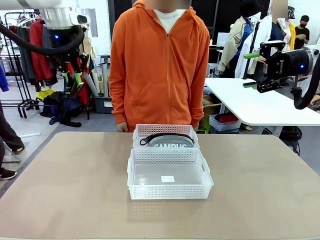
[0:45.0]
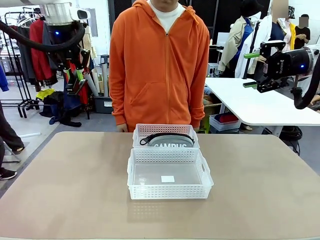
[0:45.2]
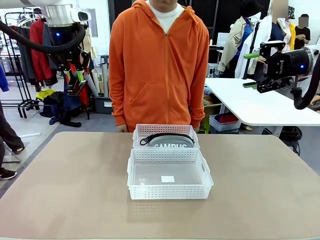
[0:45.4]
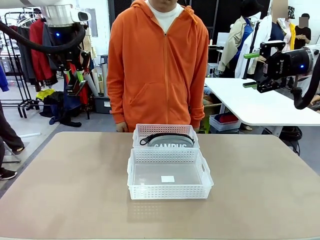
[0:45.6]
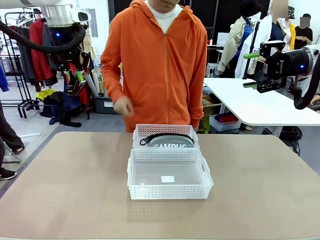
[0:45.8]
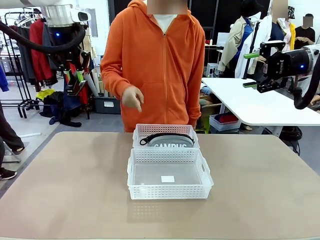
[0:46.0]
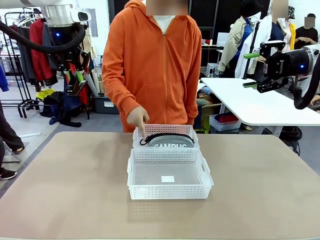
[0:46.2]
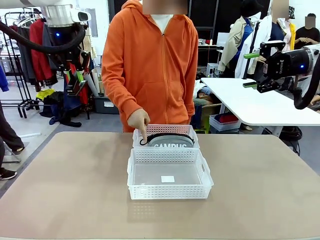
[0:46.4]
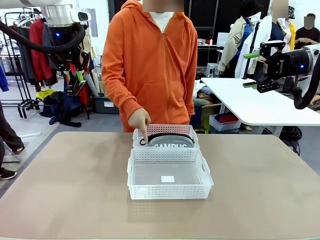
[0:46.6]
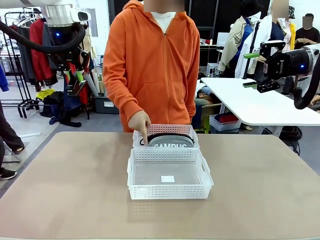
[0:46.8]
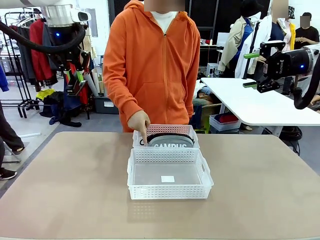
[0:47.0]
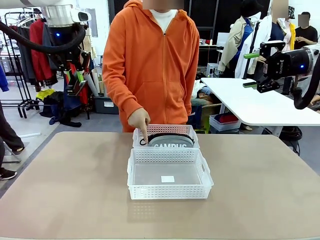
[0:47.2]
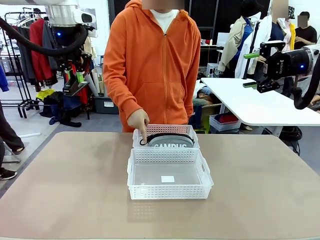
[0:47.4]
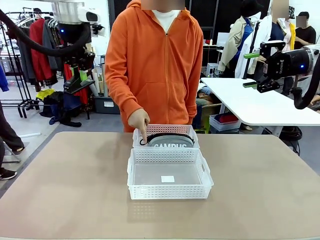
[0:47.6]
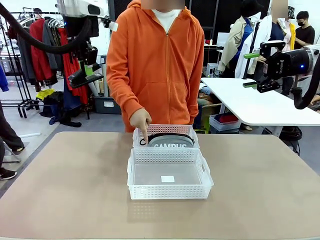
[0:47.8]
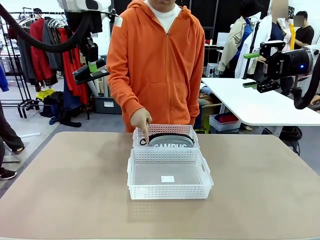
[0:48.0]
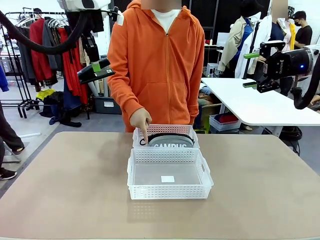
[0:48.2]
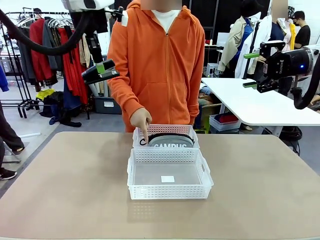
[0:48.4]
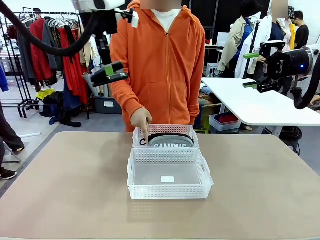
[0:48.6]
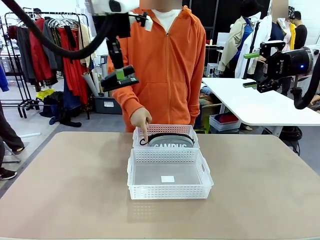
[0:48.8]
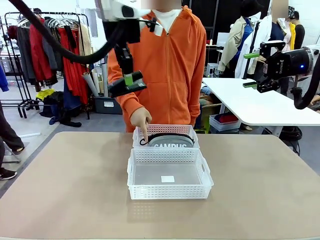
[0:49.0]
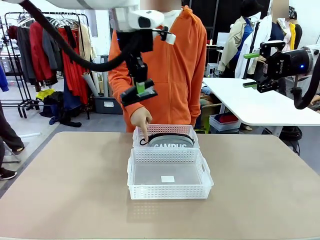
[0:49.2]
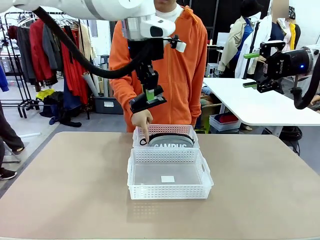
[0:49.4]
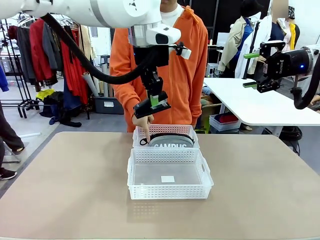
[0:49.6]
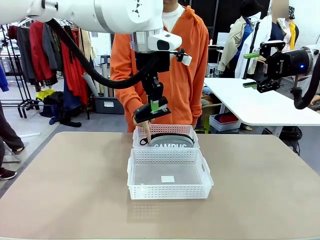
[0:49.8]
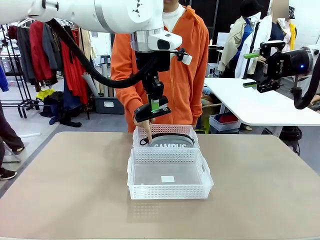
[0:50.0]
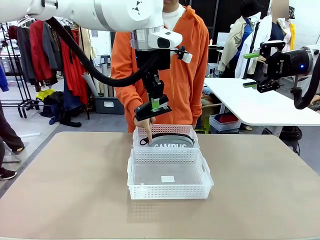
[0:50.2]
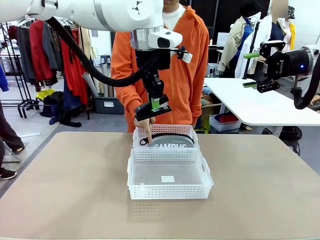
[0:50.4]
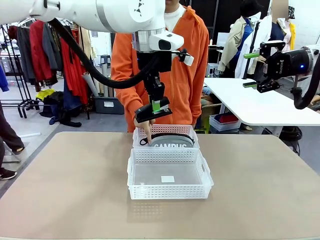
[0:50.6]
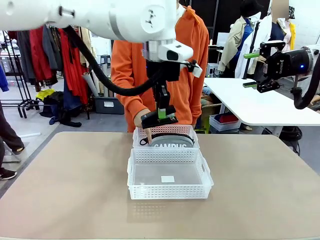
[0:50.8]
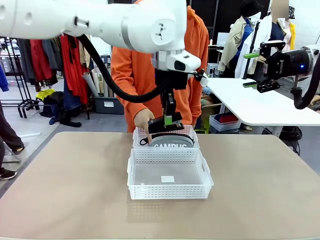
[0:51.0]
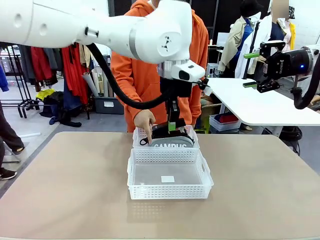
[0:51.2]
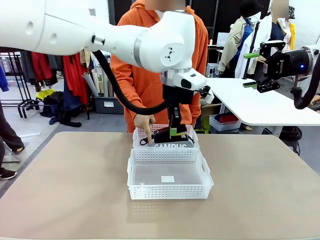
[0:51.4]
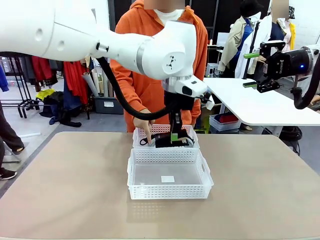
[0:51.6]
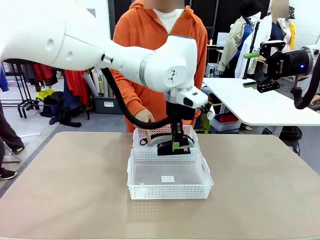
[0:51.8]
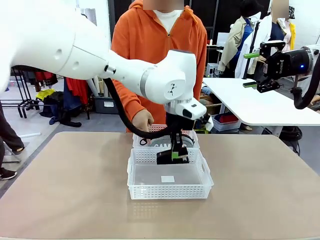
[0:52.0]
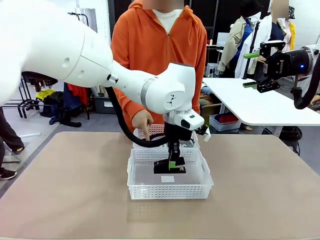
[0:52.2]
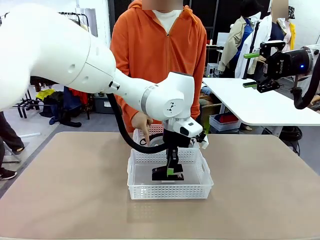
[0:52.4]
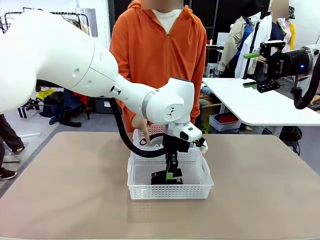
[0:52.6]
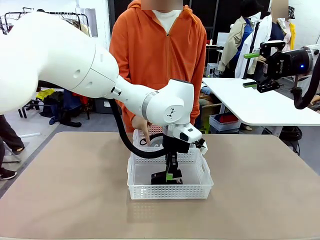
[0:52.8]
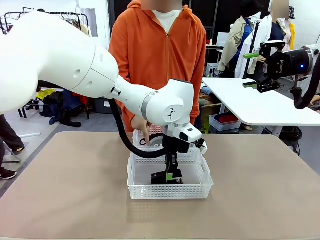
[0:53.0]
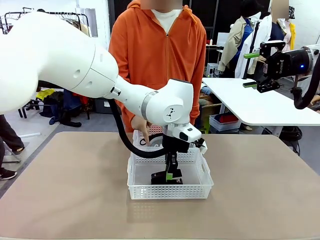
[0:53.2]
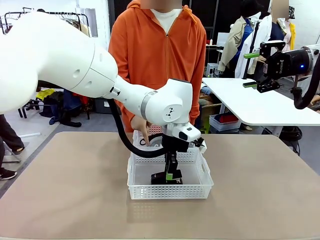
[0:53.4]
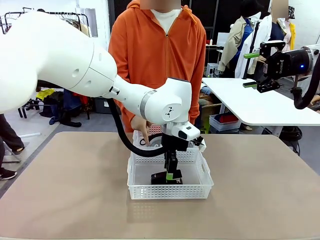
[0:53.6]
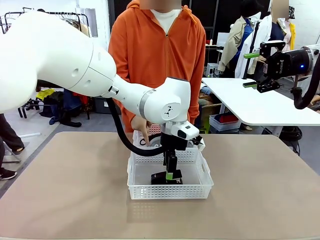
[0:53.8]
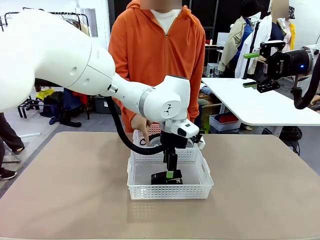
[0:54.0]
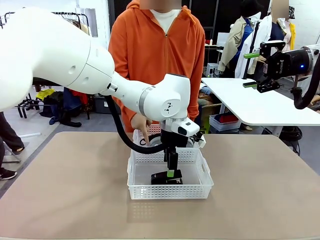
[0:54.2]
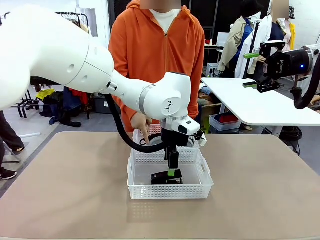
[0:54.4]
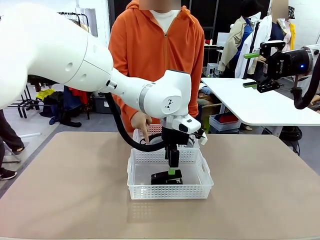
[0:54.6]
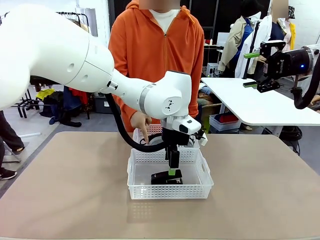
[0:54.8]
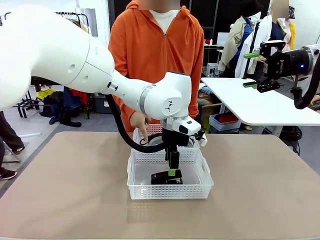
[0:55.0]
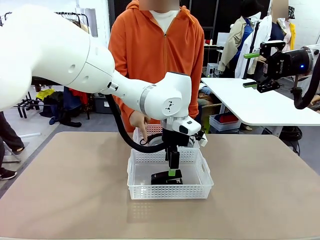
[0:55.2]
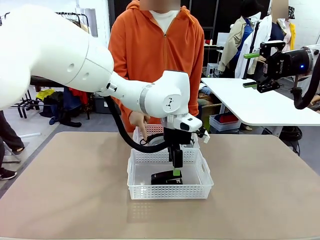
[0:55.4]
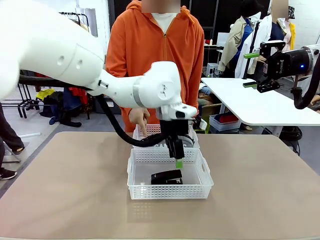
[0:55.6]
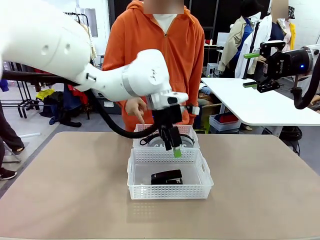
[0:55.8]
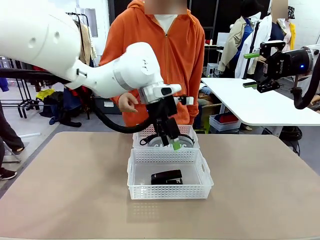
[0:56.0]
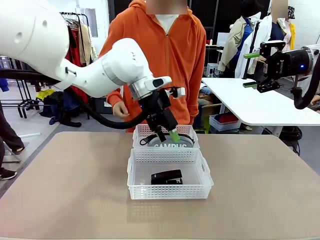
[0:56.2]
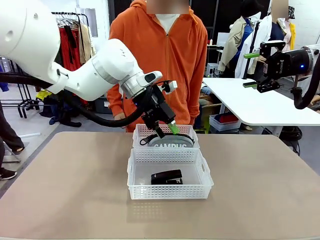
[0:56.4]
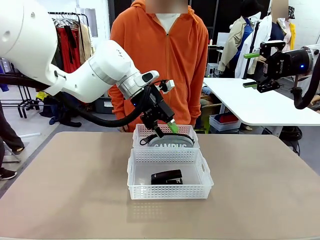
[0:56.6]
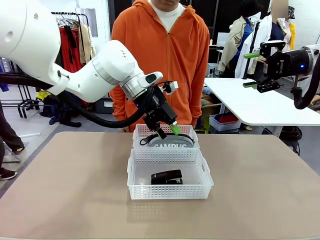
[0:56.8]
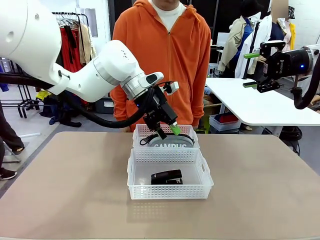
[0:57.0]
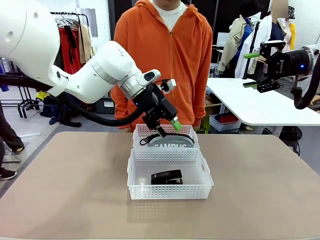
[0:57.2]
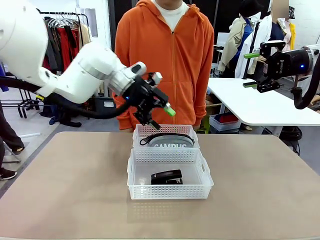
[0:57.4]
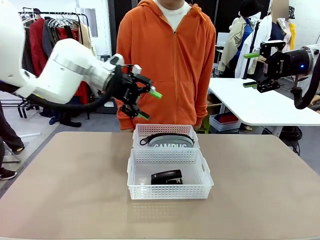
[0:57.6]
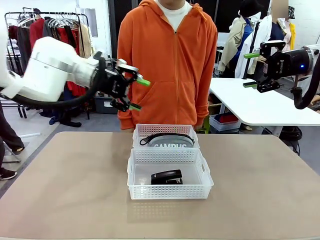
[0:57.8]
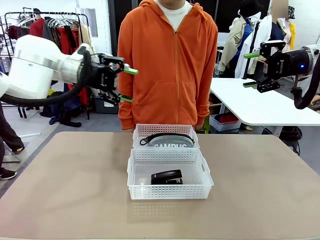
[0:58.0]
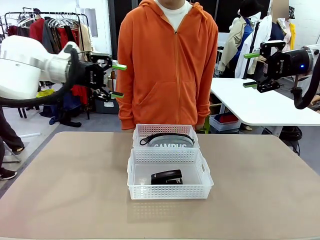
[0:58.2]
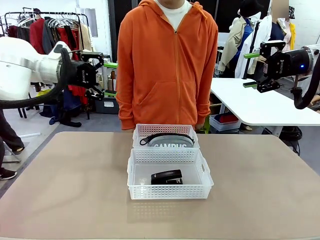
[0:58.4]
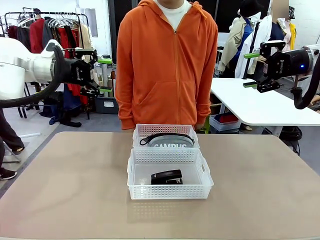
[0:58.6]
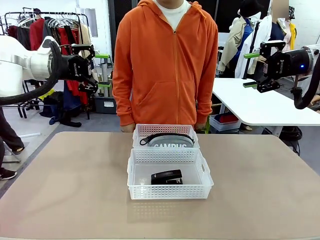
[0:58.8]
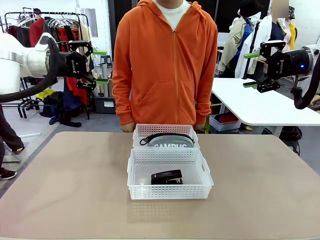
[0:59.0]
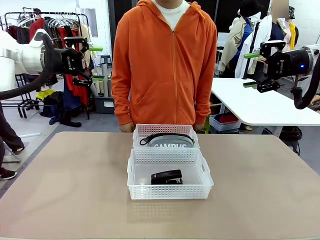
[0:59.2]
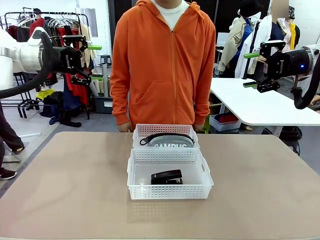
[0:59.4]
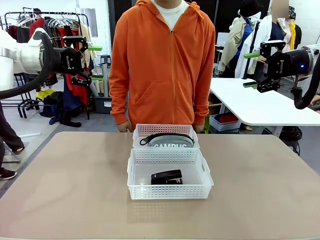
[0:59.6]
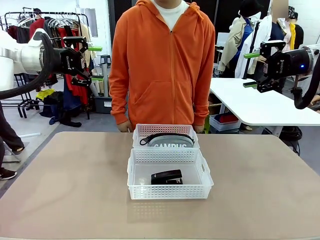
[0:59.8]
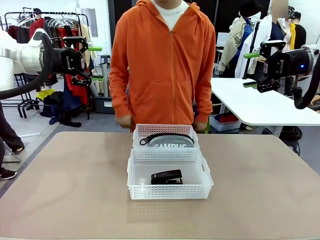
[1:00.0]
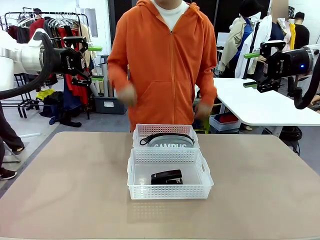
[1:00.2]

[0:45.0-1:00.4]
Task: Distribute items into two baskets.
Robot: Place the picked Stapler into the Organizing basket as instructed by the person.
Person: Points to the basket that does not contain the pencil case and instructs the robot to move the stapler there.
